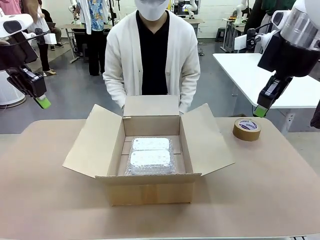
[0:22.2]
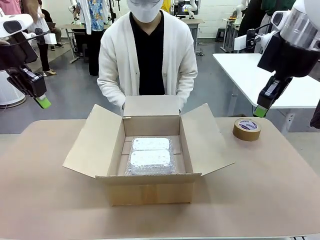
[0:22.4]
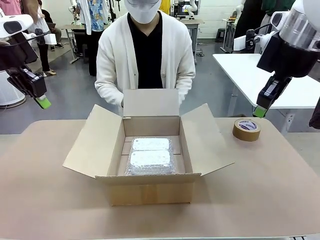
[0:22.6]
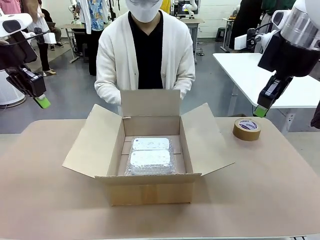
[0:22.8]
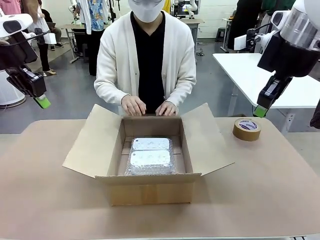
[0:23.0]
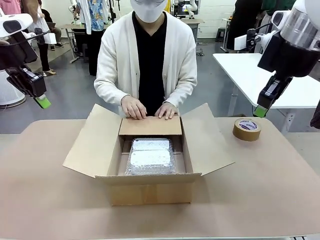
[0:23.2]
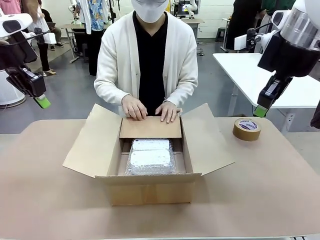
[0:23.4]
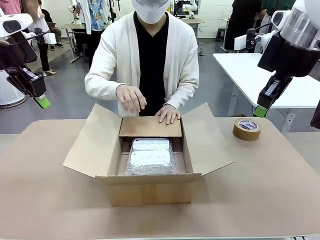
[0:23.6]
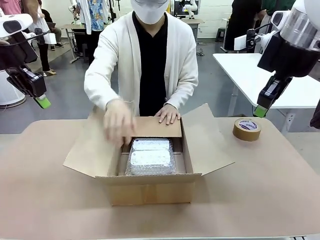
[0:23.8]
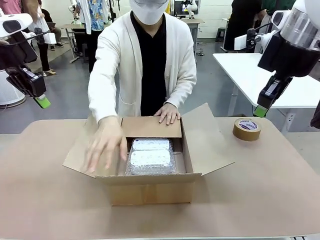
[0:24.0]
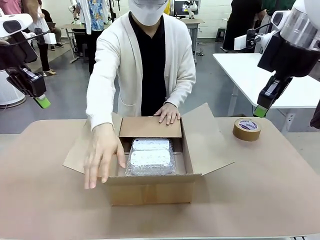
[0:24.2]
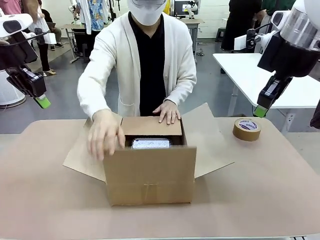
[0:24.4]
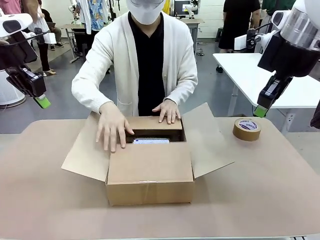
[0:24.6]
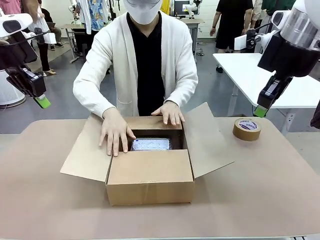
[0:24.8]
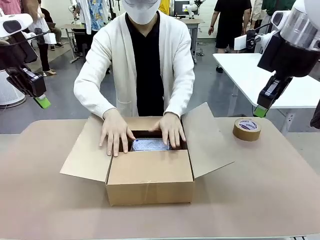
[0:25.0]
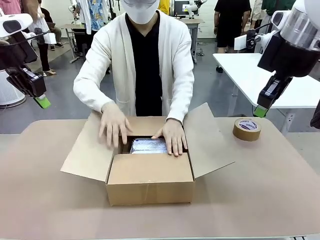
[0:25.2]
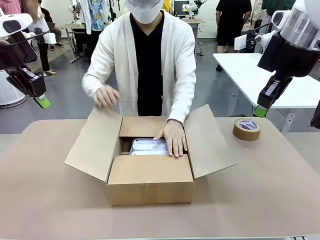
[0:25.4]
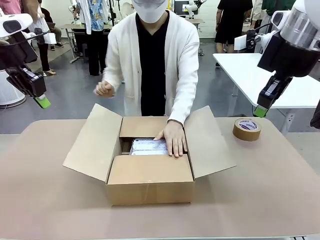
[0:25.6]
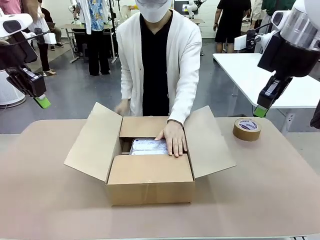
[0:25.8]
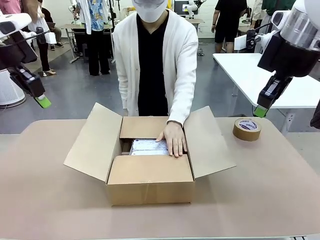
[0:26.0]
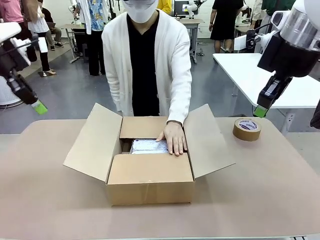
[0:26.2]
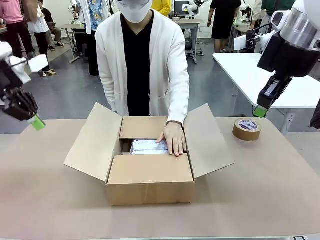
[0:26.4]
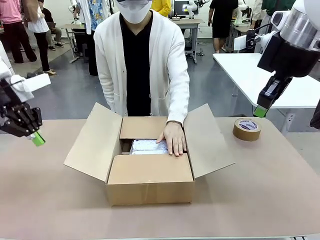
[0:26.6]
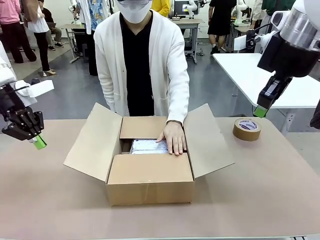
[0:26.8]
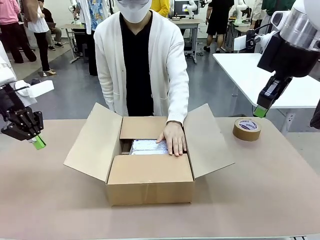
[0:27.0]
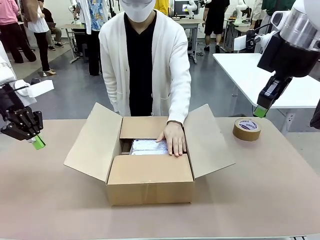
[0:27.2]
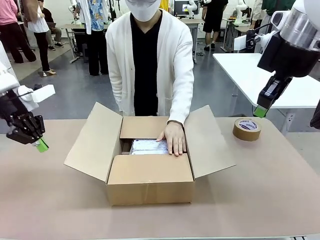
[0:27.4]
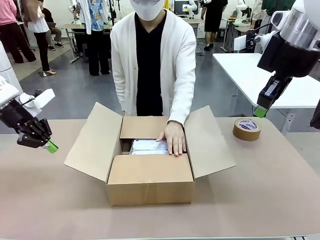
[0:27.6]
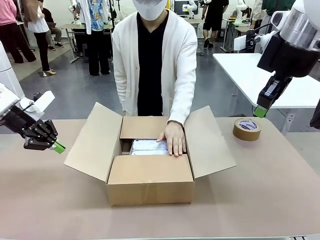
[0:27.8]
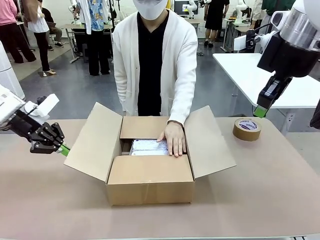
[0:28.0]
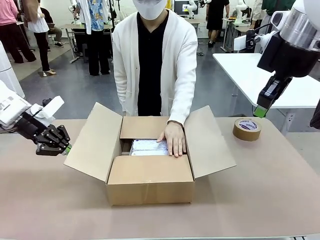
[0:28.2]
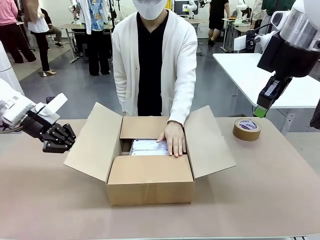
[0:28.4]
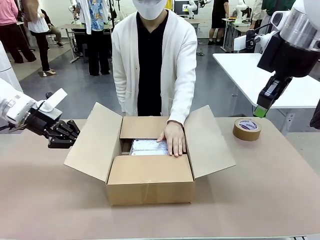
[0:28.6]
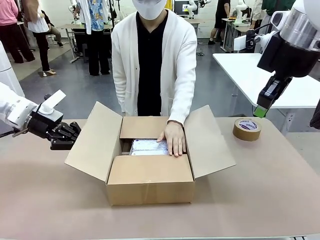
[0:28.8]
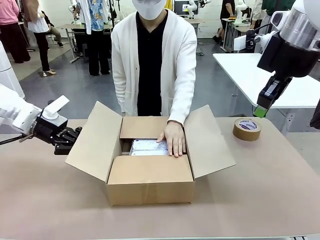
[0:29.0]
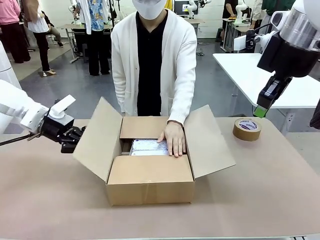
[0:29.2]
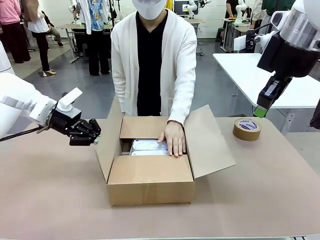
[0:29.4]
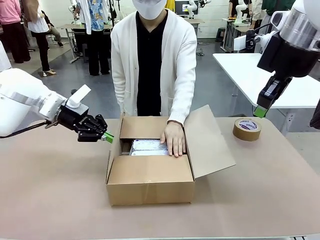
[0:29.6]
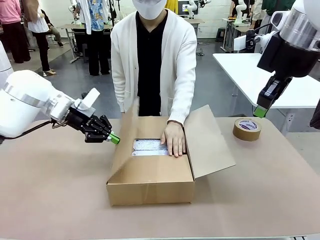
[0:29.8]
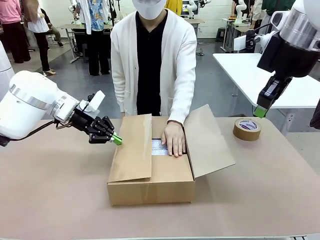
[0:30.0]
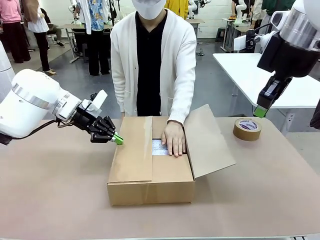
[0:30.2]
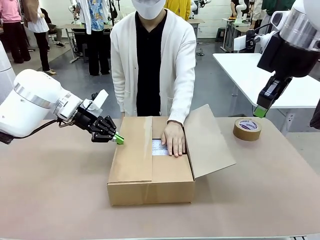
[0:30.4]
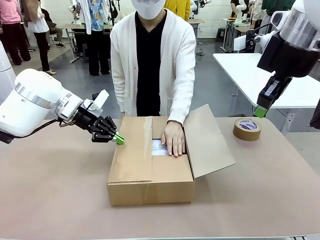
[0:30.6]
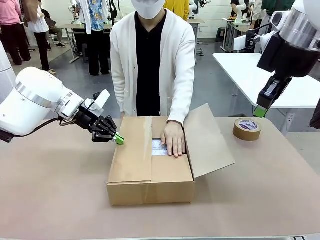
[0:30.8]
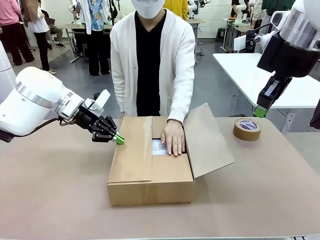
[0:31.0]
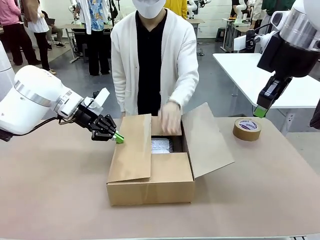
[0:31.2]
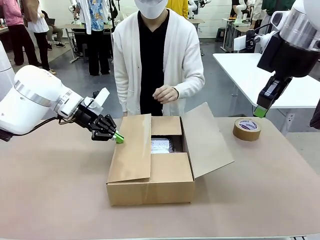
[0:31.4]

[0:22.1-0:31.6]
Task: Wrap the clocks to prevent damage.
Robot: Push the right (or left) flap of the Package Box to close it.
Person: Hold the top and bottom flaps of the Package Box closed with your left (or right) hand. Once the robot closes the right flap of the Package Box , release your left hand from the box.

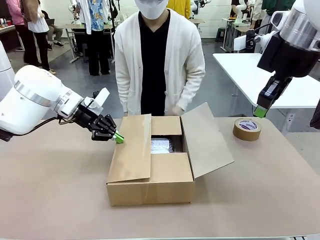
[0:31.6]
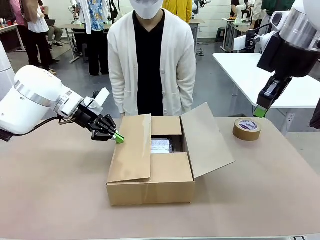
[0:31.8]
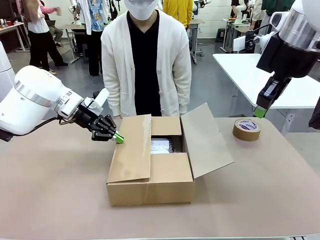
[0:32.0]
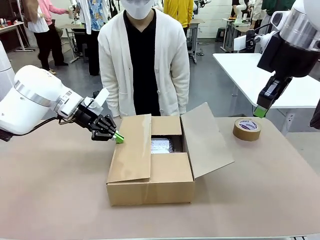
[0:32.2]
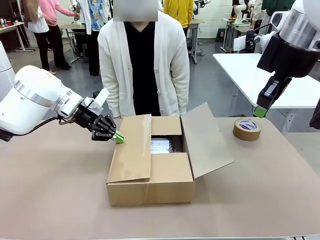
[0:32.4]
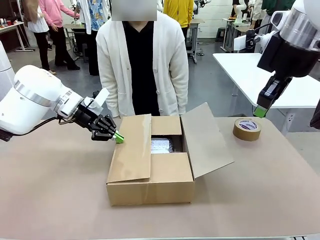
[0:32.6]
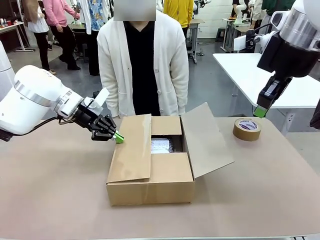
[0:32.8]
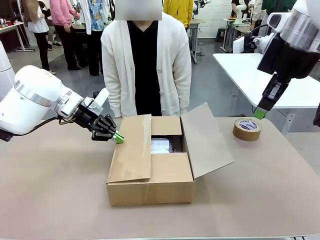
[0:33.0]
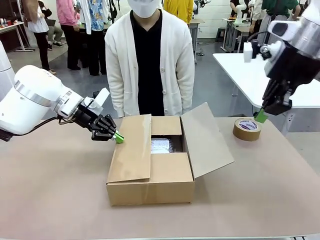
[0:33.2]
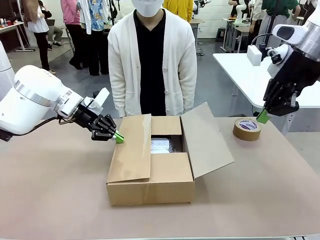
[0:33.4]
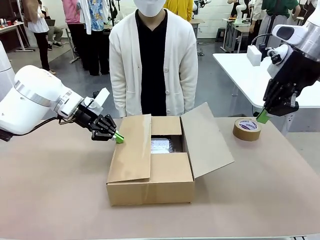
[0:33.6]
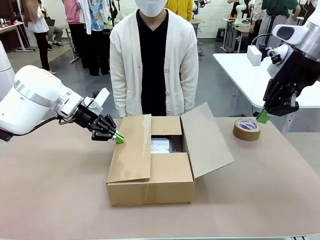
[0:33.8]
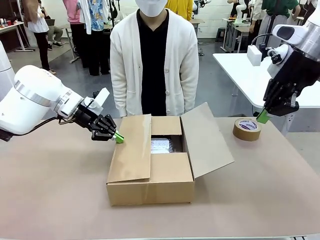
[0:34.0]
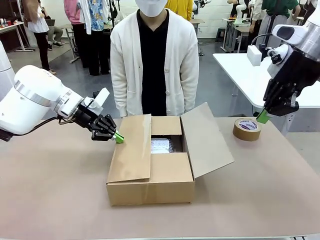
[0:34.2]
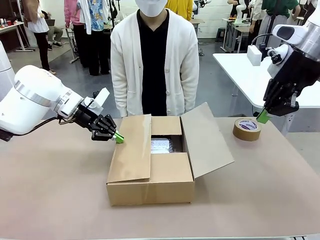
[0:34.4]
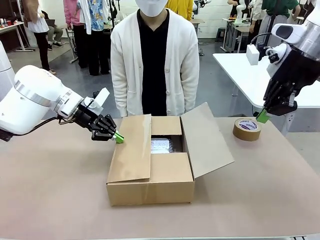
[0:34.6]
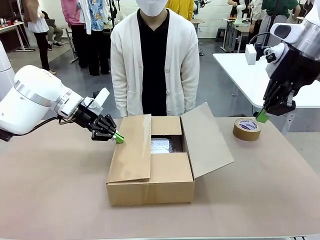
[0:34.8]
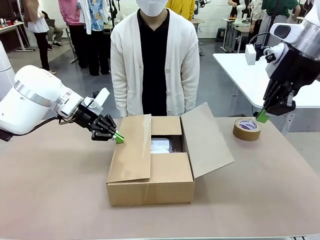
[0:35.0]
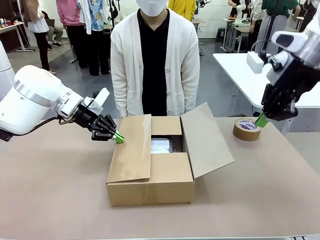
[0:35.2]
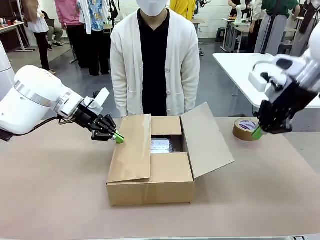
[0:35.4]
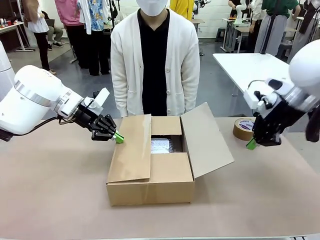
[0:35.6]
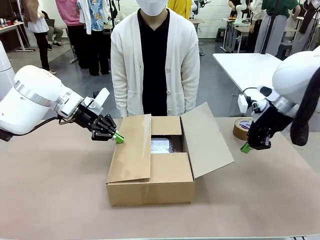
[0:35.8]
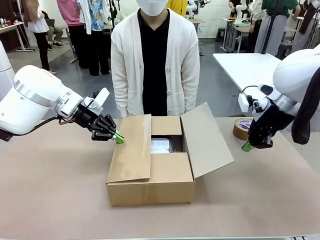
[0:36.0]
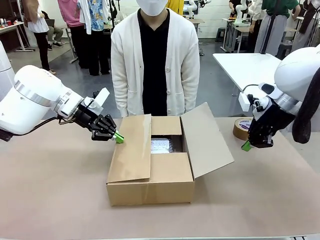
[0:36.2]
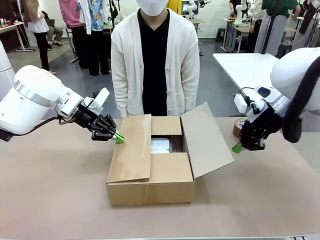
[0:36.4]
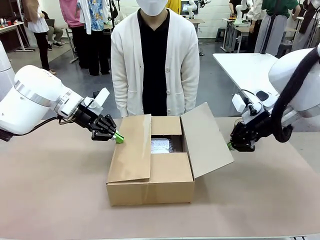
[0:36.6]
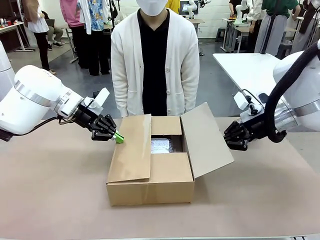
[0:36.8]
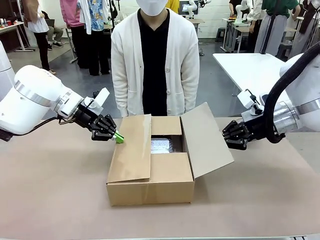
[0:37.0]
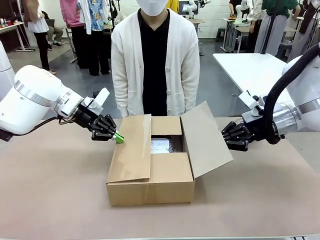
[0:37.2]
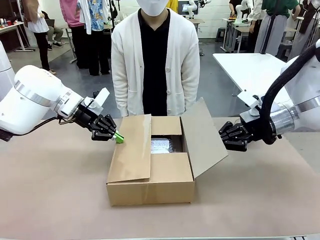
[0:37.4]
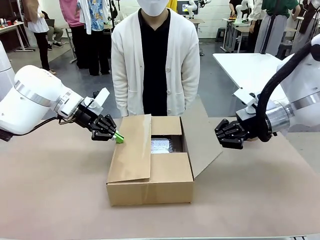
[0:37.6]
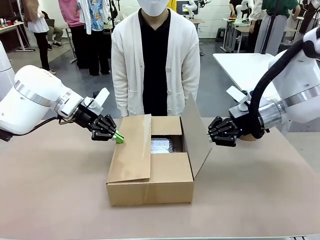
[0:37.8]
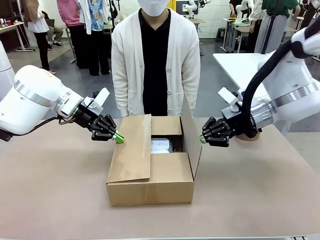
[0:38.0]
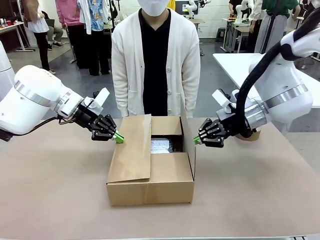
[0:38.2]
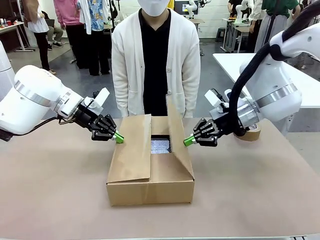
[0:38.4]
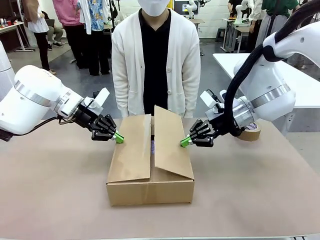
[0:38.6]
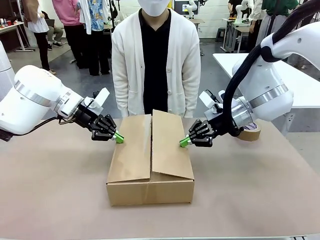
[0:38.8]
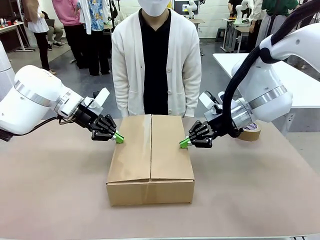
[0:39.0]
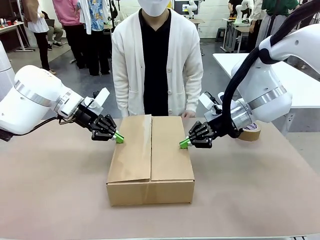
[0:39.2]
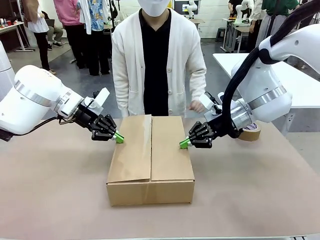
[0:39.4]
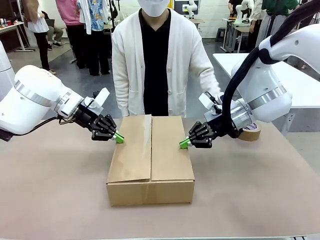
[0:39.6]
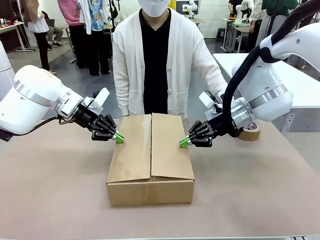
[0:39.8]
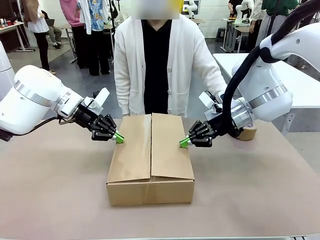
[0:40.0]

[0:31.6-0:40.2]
Robot: Push the left (or right) flap of the Package Box to close it.
